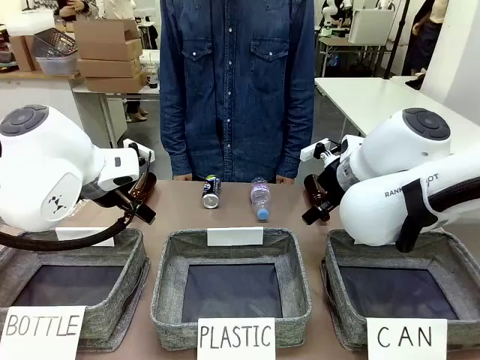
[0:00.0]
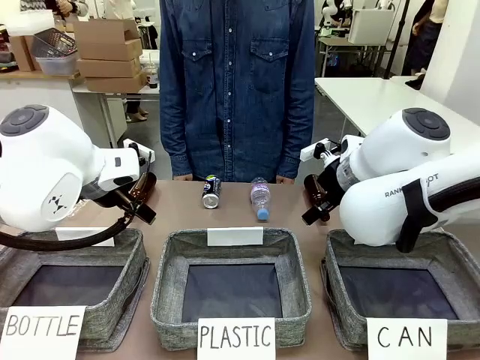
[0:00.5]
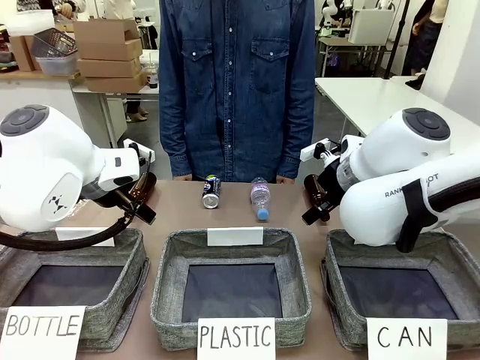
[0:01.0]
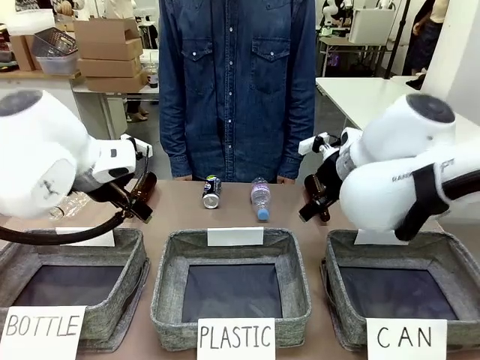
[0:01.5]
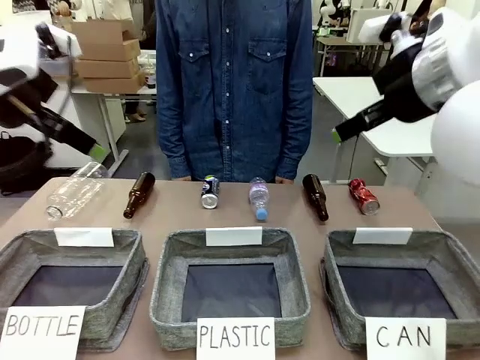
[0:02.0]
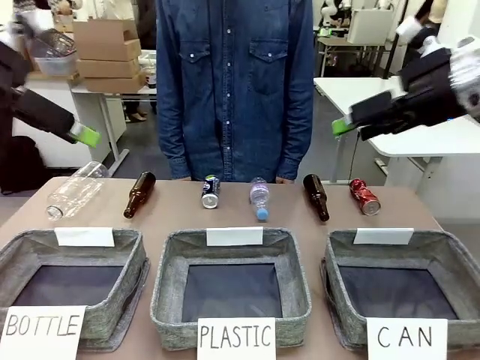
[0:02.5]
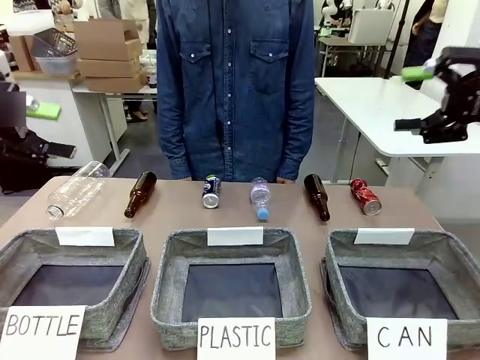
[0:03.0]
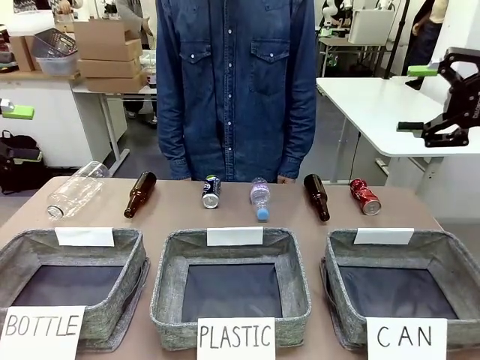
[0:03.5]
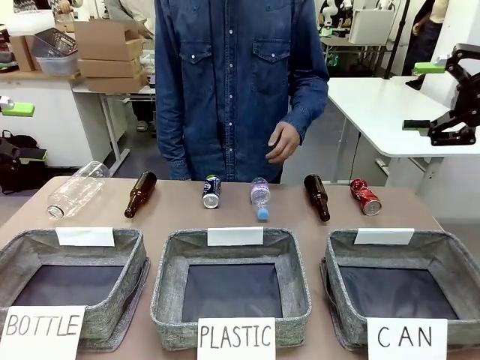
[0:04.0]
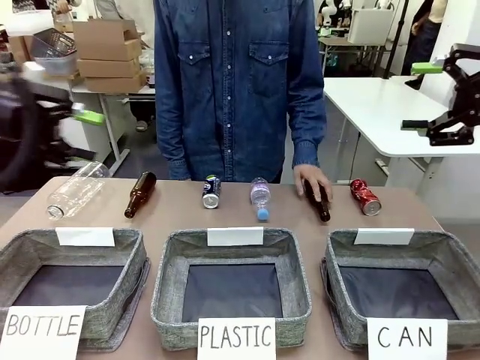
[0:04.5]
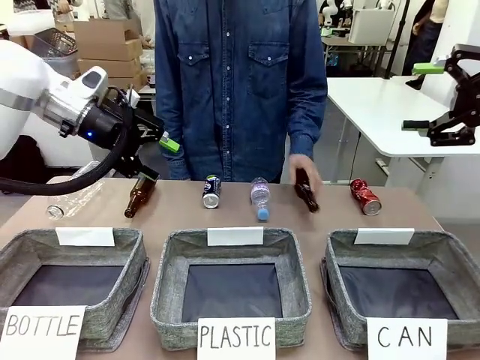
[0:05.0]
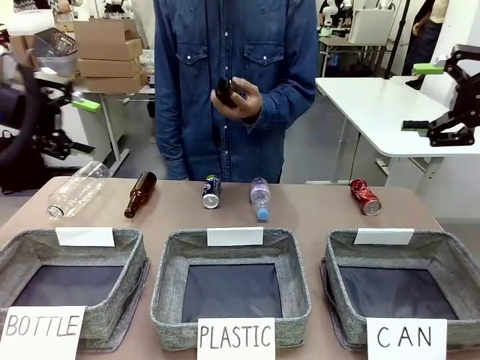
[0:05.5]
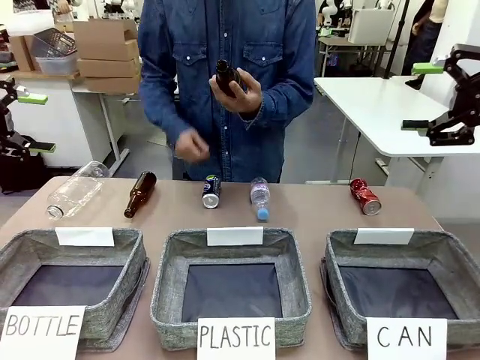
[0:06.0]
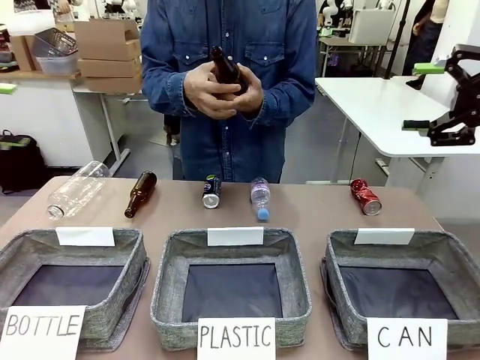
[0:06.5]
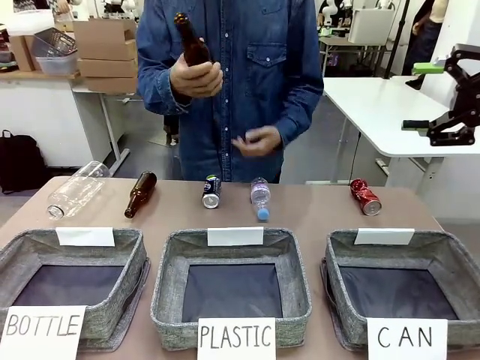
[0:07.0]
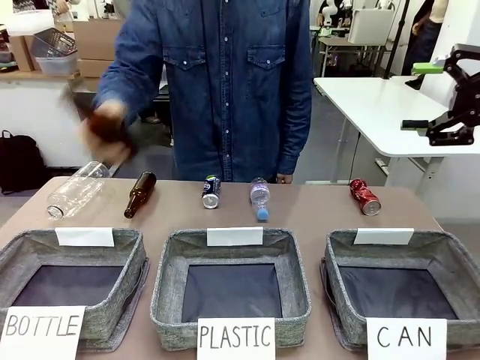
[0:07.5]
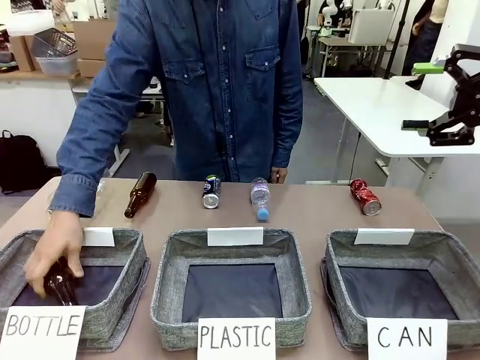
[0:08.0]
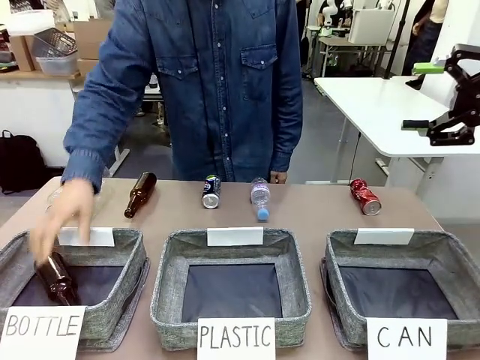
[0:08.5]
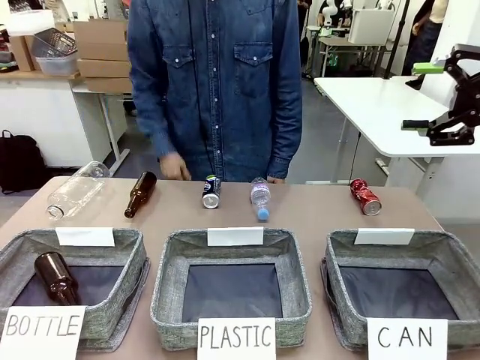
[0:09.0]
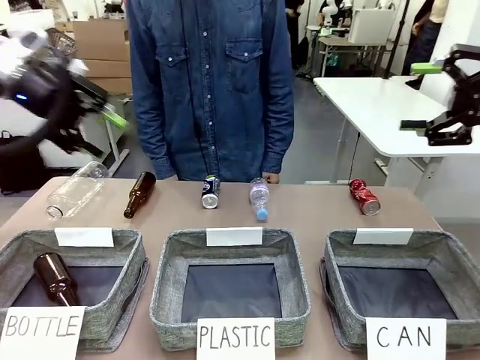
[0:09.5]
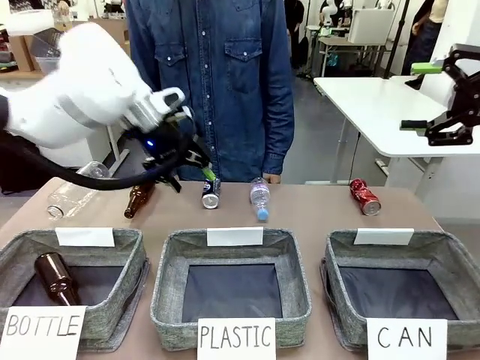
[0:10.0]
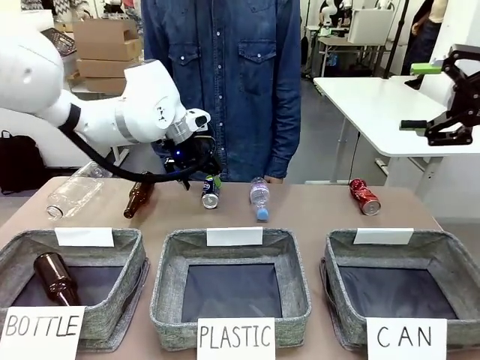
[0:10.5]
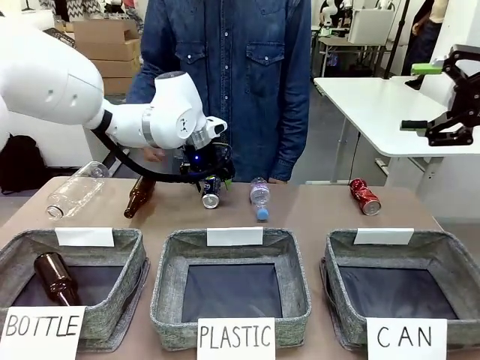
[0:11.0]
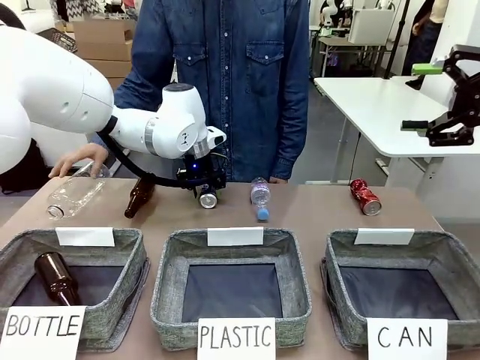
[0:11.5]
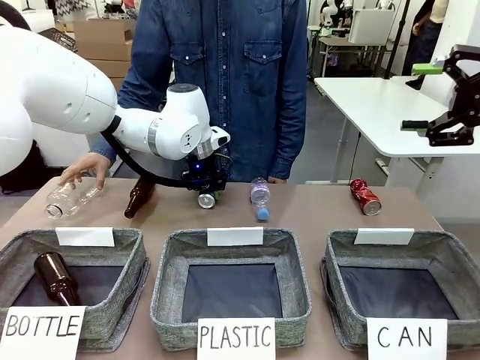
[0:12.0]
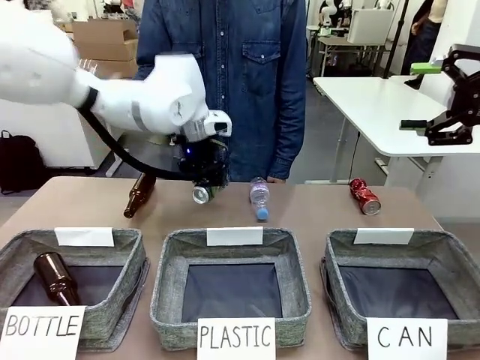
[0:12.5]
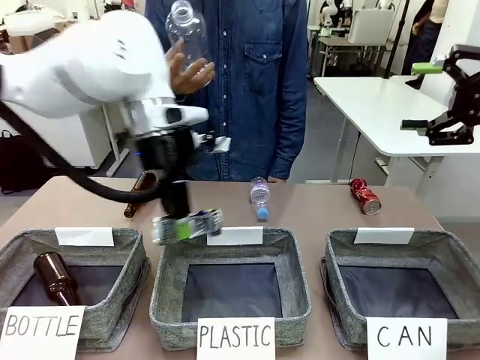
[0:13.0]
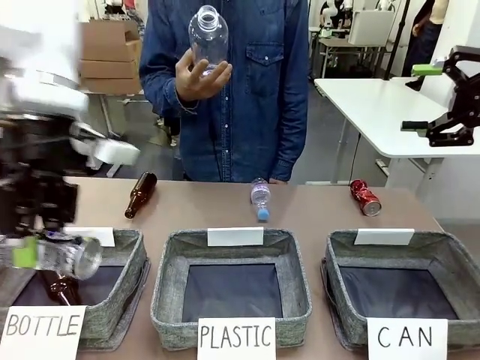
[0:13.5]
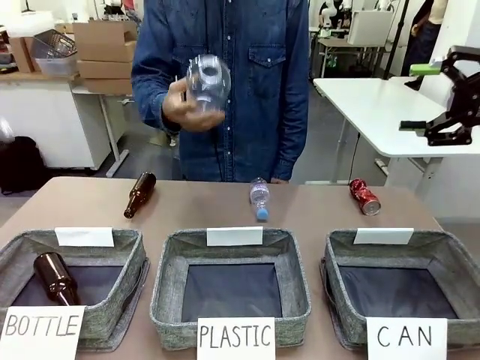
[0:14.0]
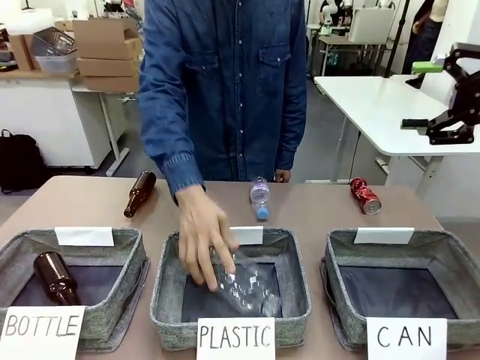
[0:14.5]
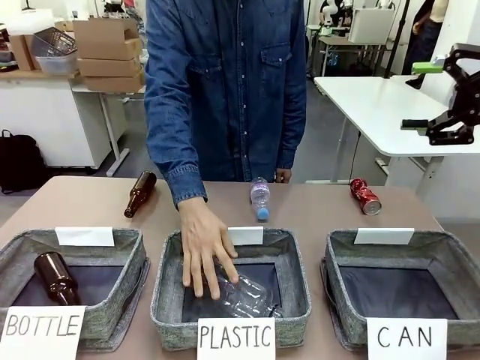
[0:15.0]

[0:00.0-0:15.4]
Task: Sort the can waste into the basket.
Robot: Pick up the can waste from the table and place it in the right Fabric basket.

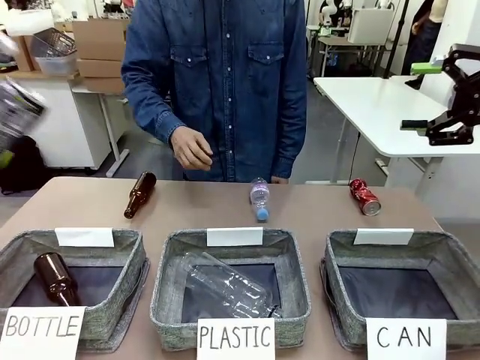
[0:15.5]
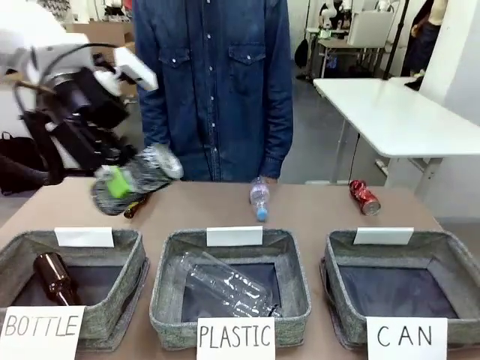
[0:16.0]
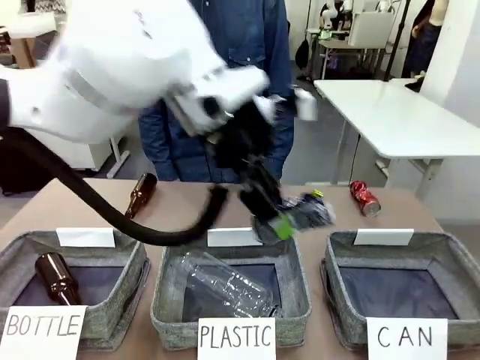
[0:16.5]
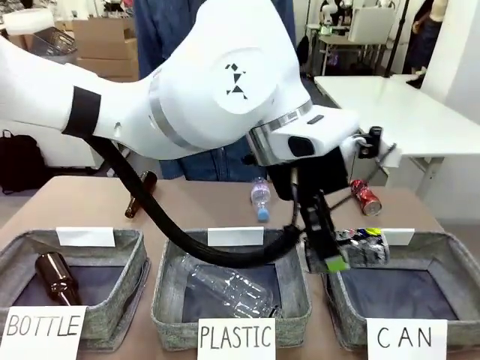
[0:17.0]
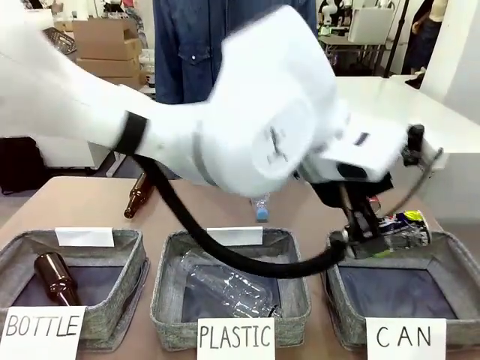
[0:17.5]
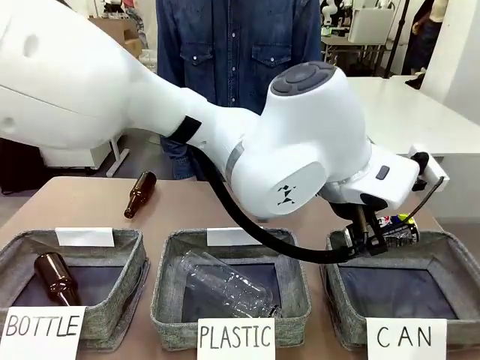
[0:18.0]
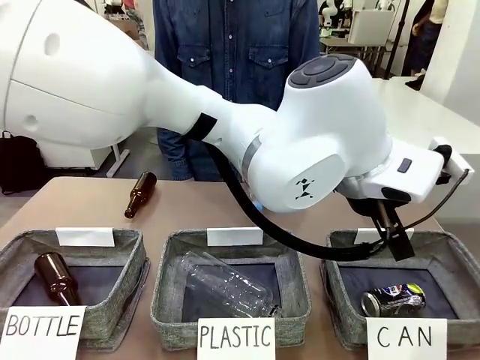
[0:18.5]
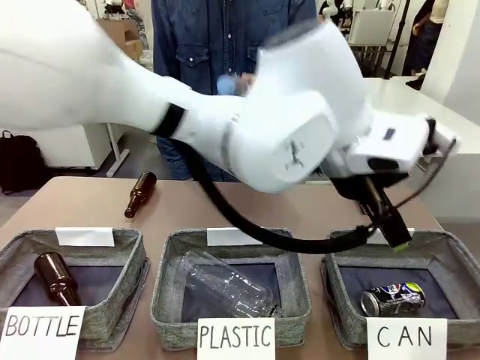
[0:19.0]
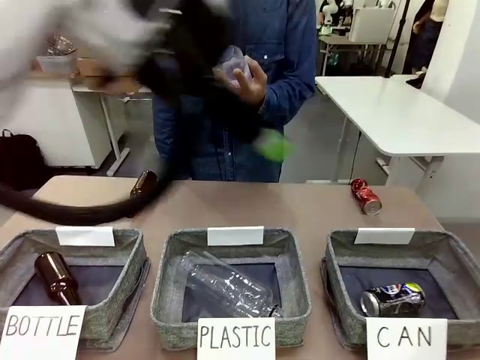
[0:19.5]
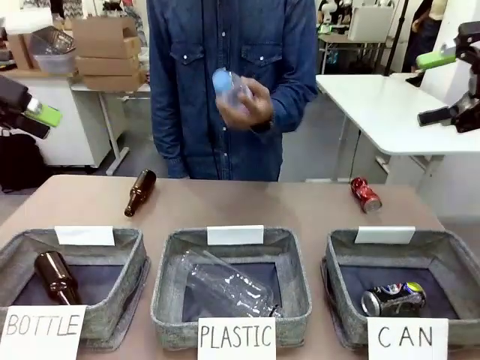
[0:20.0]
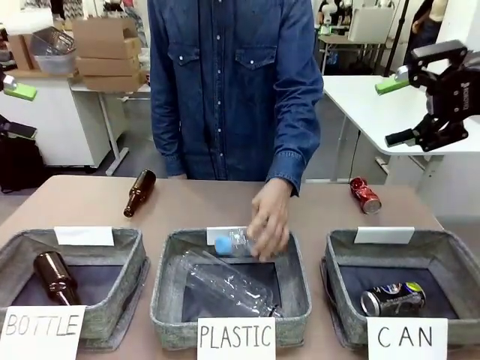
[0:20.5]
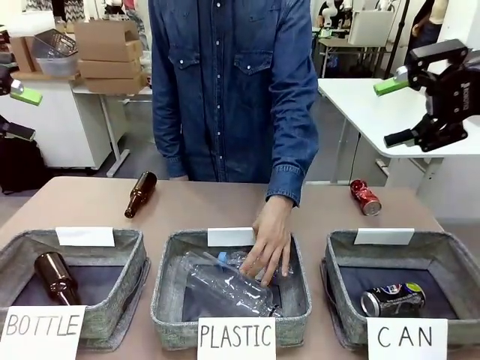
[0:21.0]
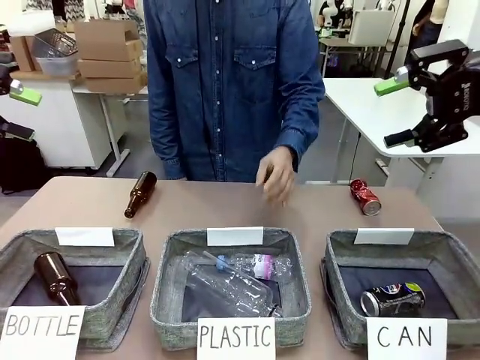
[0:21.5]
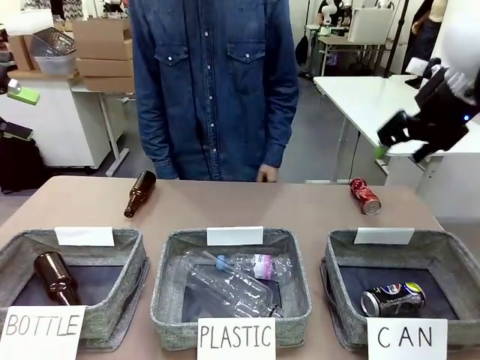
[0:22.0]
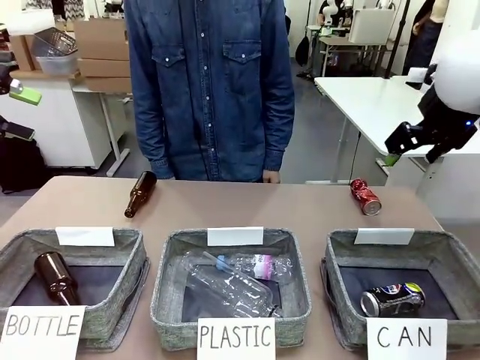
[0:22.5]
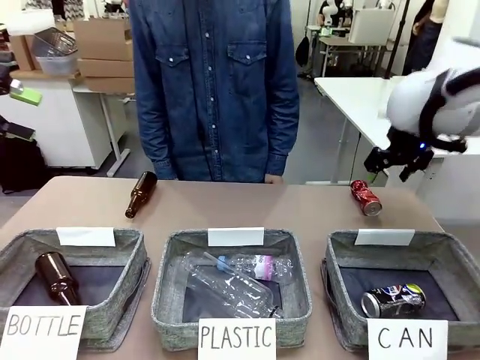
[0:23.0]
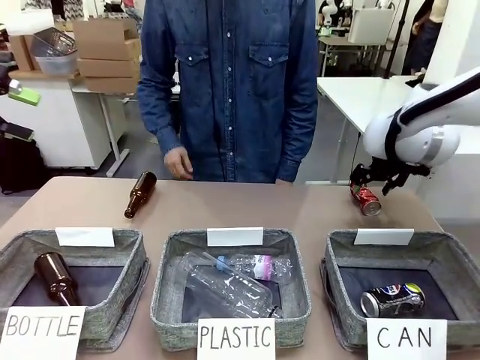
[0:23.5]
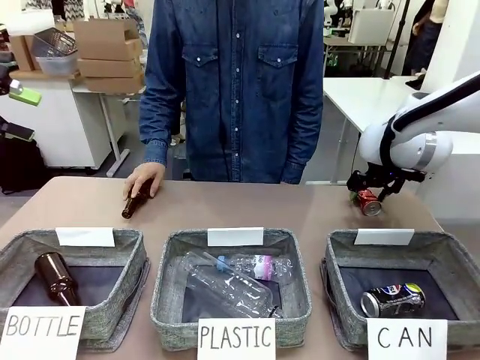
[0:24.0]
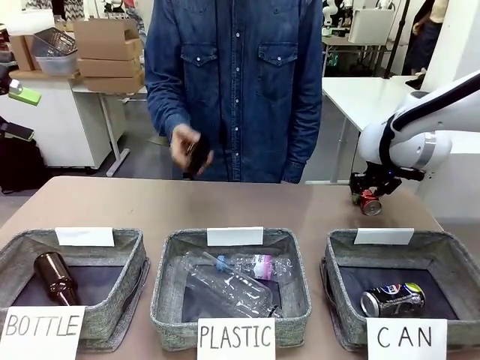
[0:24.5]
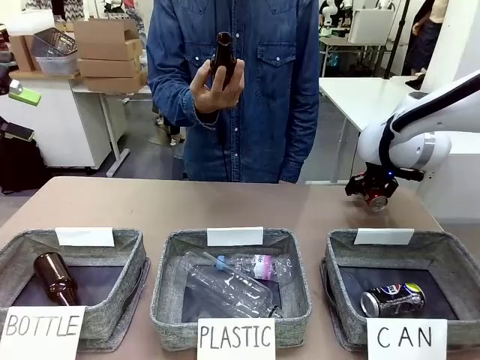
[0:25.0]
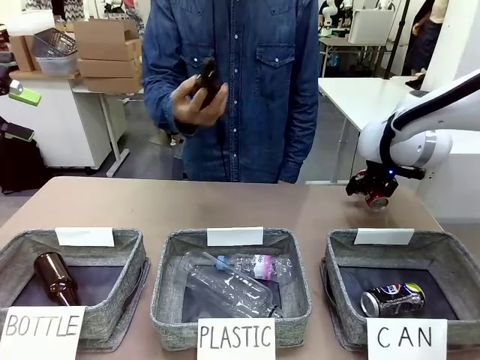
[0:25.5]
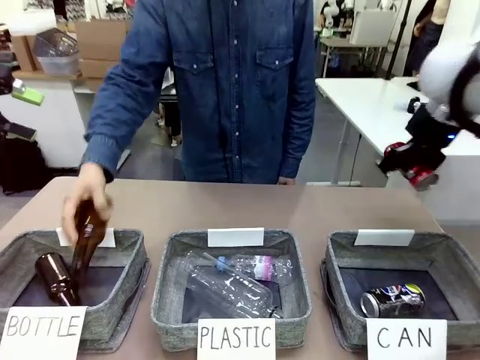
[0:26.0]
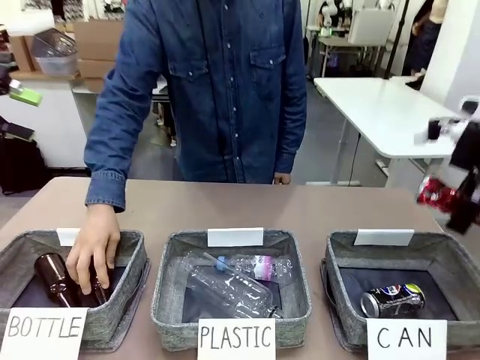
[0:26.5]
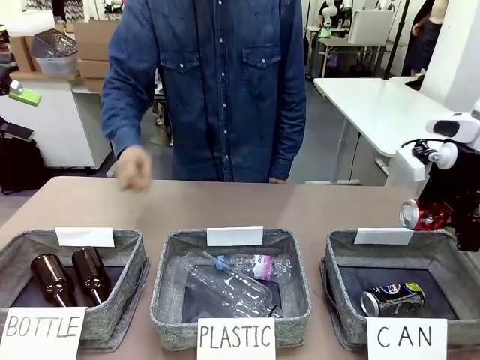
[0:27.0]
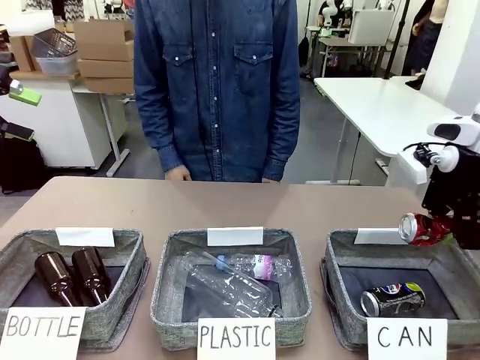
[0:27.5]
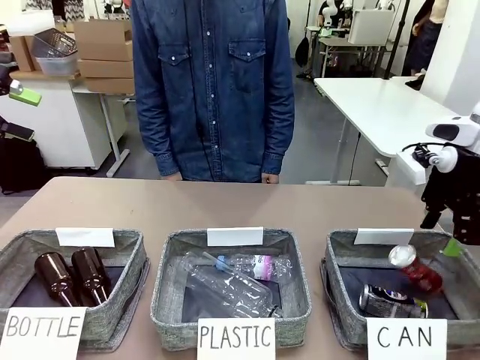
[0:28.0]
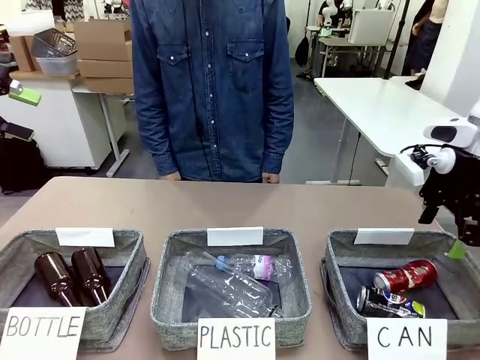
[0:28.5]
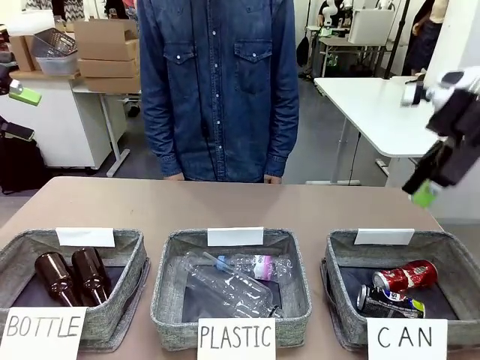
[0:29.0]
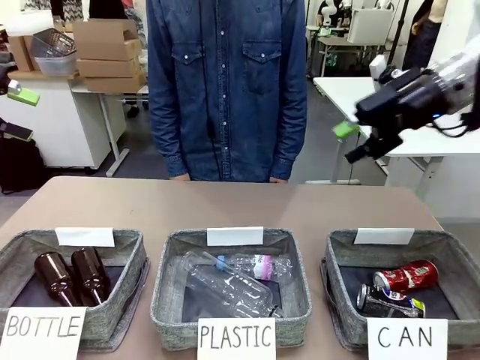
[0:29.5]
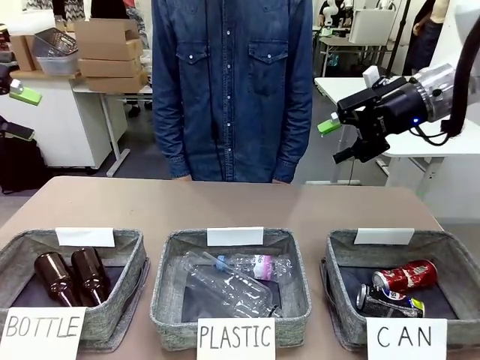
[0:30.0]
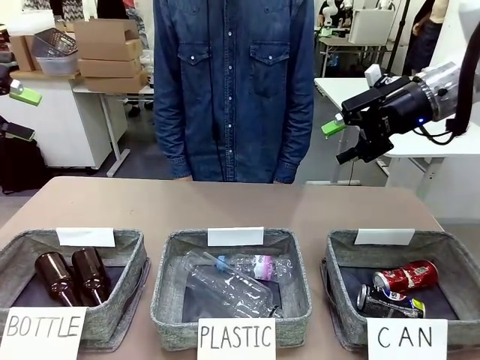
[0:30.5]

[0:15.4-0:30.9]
Robot: Pick up the can waste from the table and place it in the right Fabric basket.
Person: The human picks up one piece of trash that is not a can and places the trash into the appropriate organizing basket.
